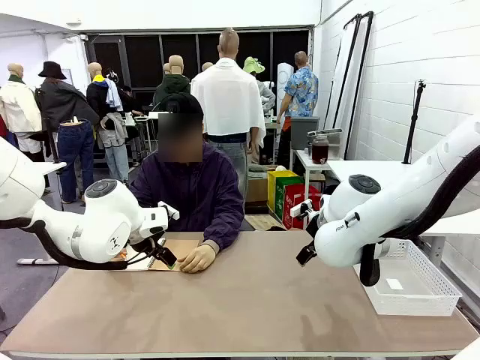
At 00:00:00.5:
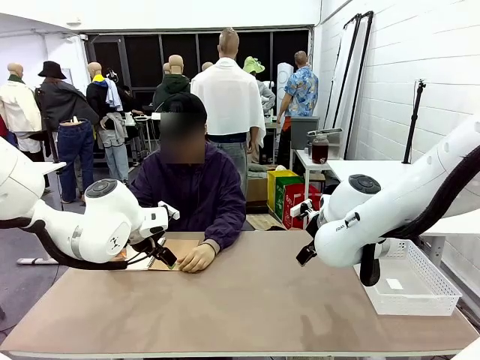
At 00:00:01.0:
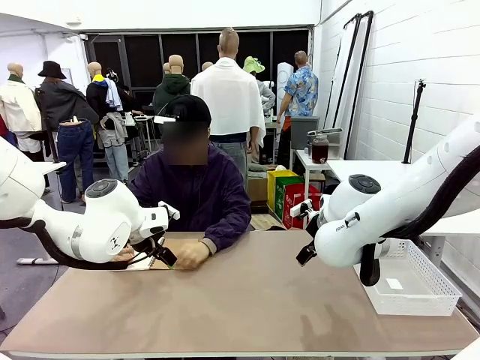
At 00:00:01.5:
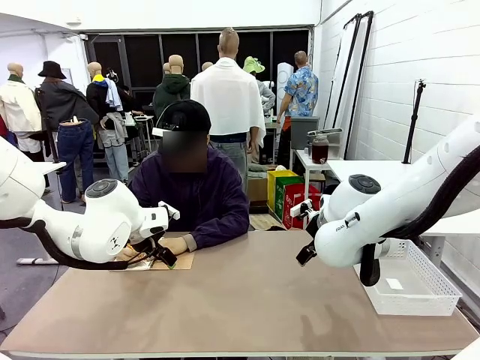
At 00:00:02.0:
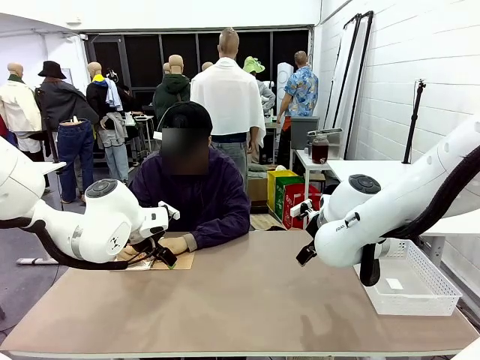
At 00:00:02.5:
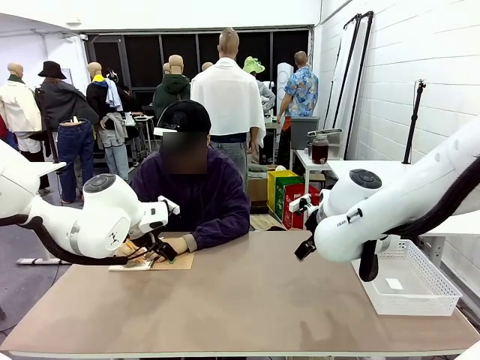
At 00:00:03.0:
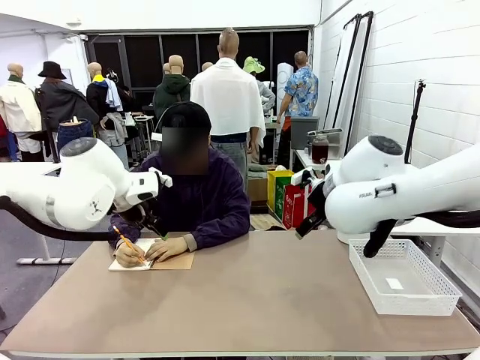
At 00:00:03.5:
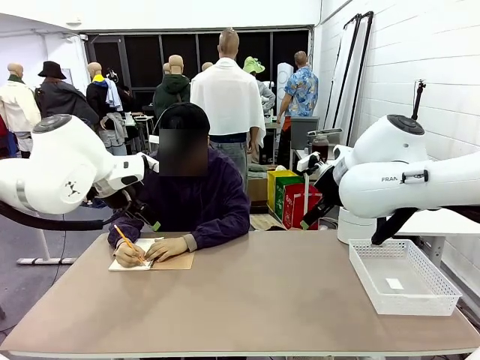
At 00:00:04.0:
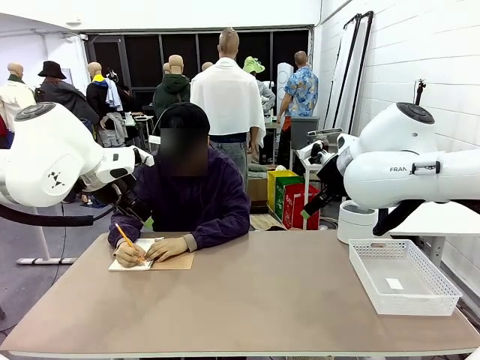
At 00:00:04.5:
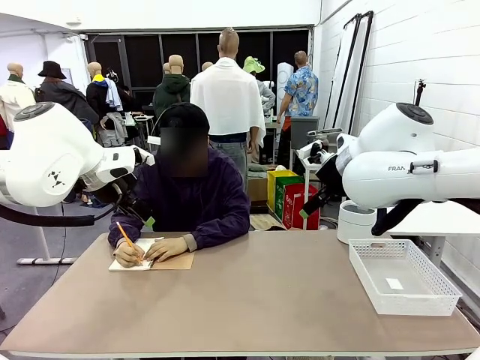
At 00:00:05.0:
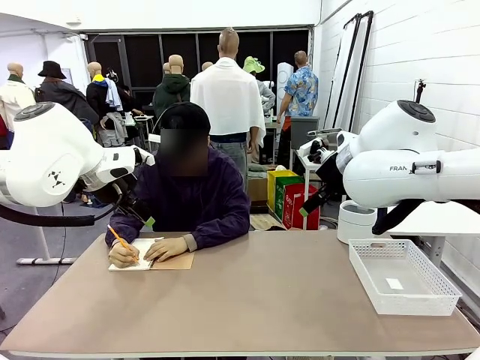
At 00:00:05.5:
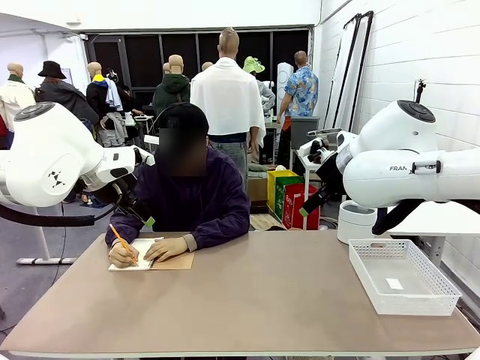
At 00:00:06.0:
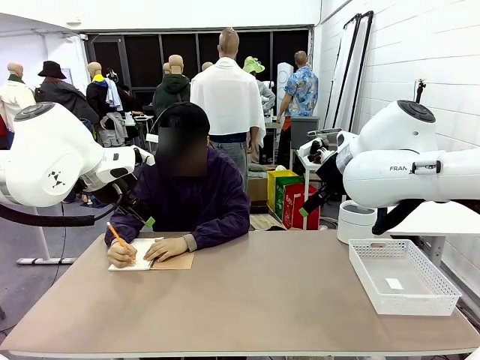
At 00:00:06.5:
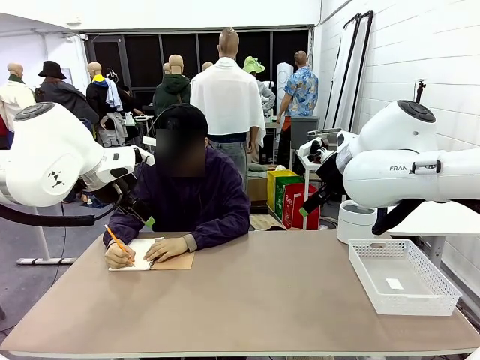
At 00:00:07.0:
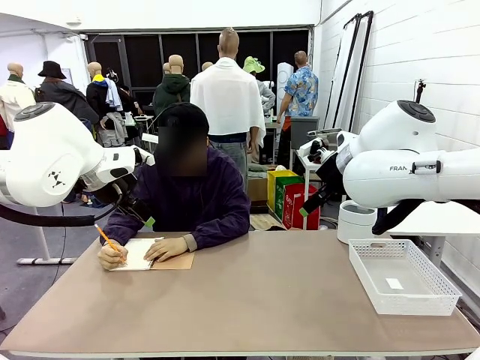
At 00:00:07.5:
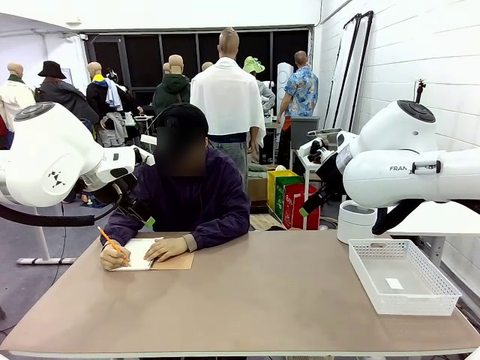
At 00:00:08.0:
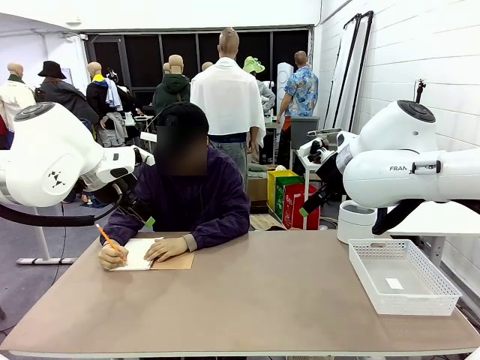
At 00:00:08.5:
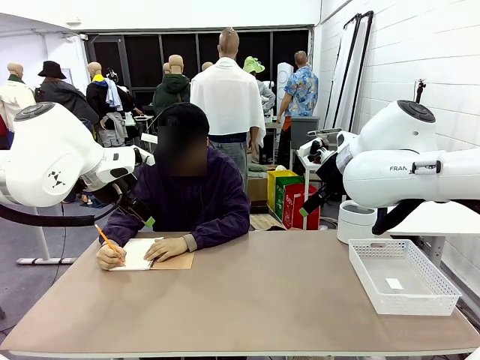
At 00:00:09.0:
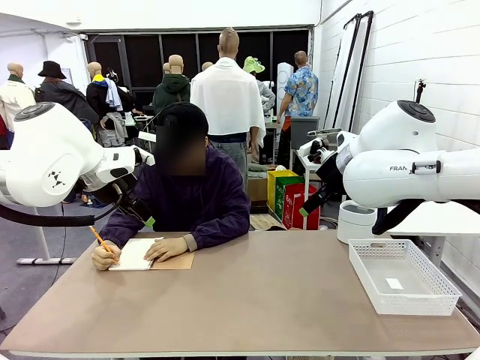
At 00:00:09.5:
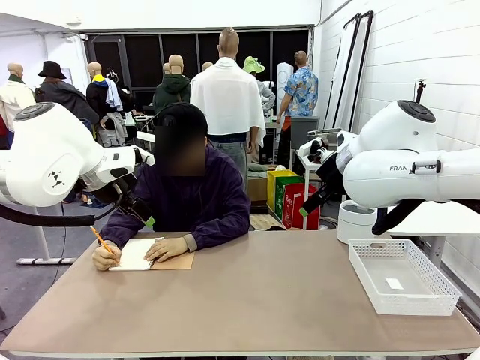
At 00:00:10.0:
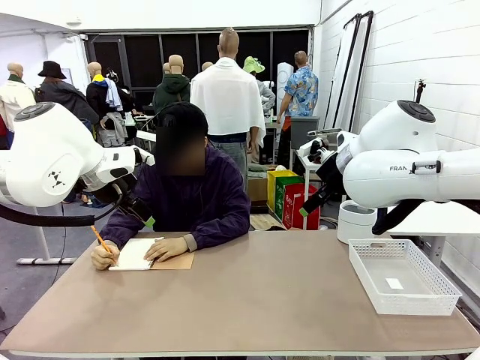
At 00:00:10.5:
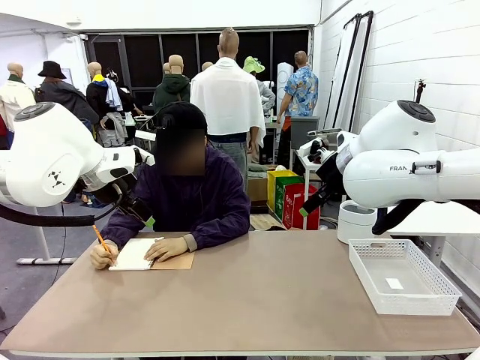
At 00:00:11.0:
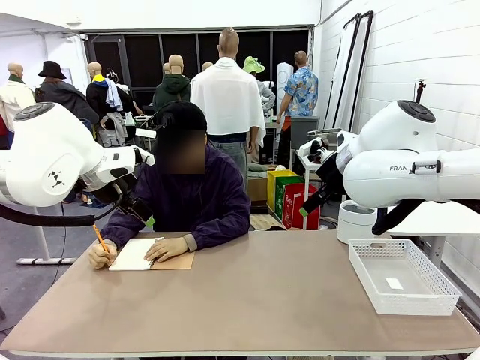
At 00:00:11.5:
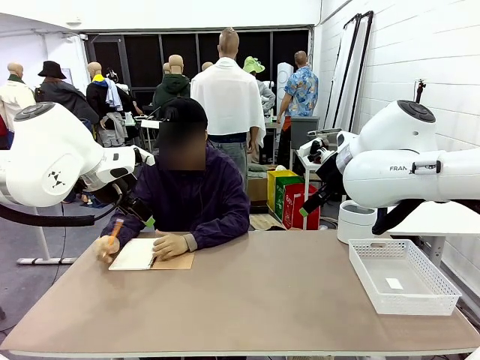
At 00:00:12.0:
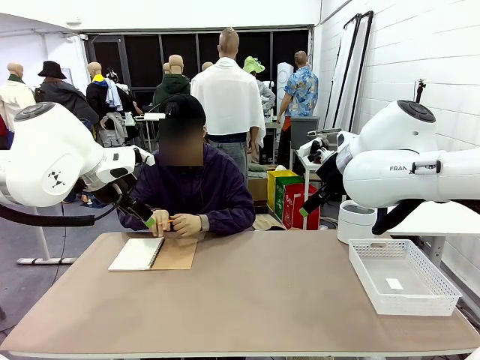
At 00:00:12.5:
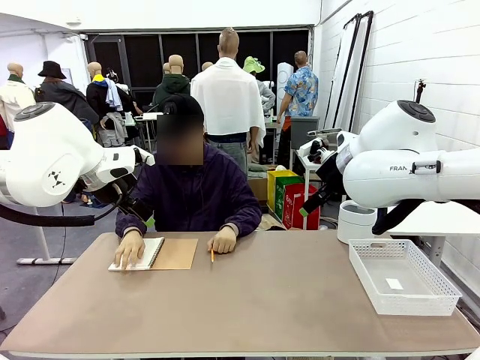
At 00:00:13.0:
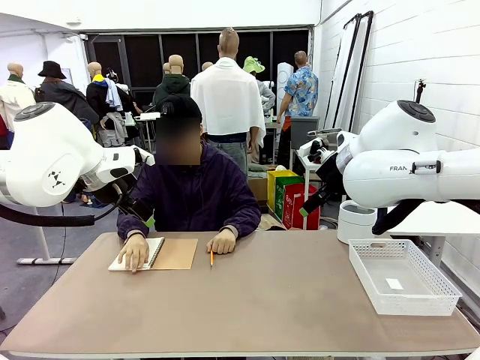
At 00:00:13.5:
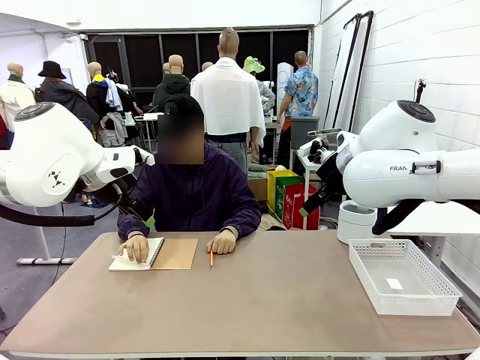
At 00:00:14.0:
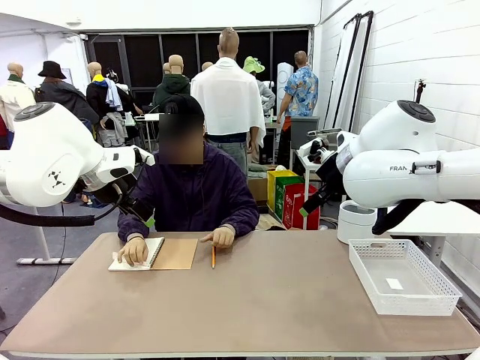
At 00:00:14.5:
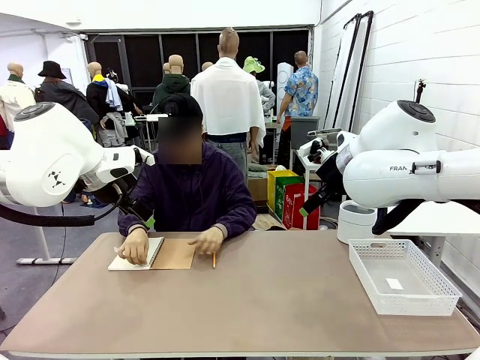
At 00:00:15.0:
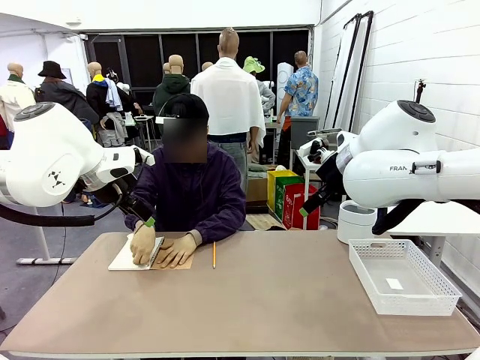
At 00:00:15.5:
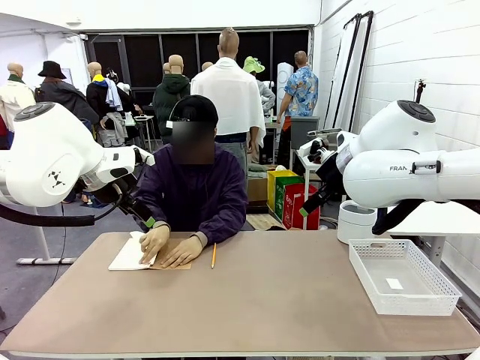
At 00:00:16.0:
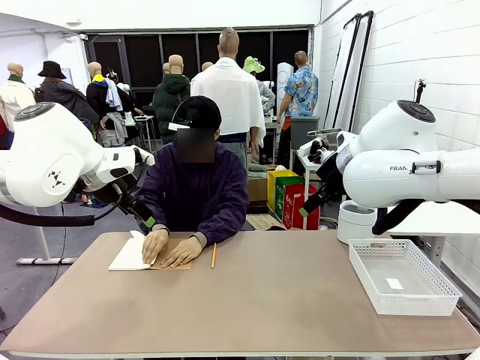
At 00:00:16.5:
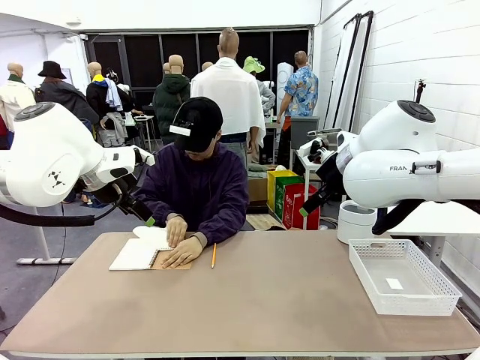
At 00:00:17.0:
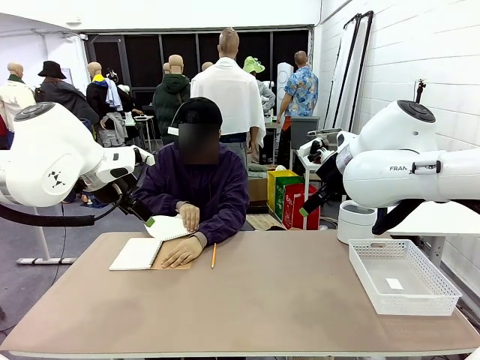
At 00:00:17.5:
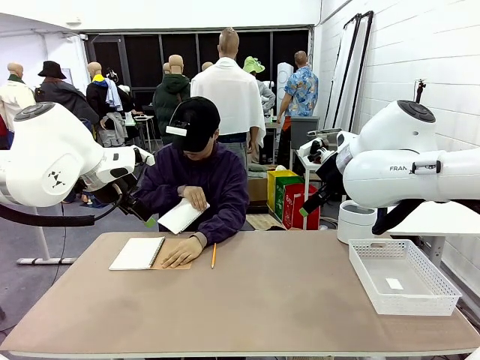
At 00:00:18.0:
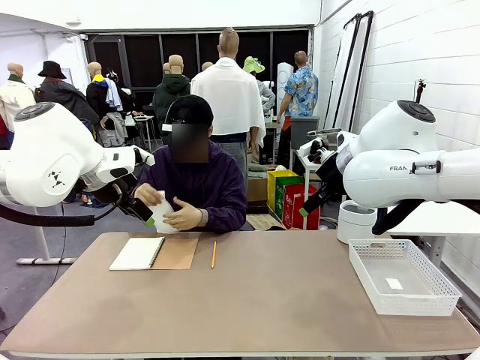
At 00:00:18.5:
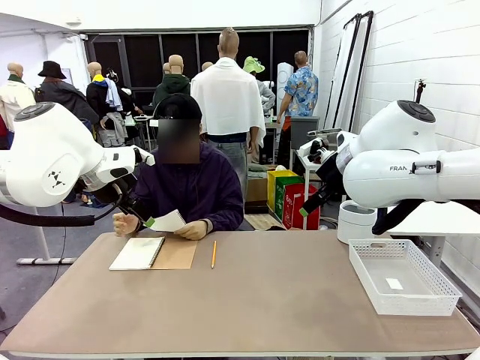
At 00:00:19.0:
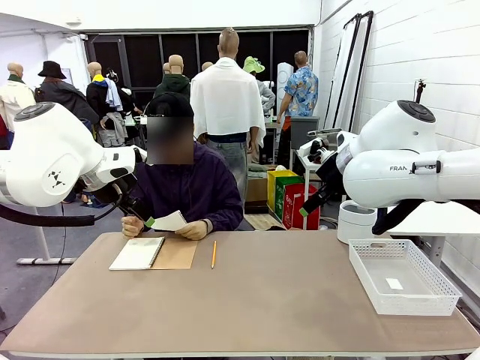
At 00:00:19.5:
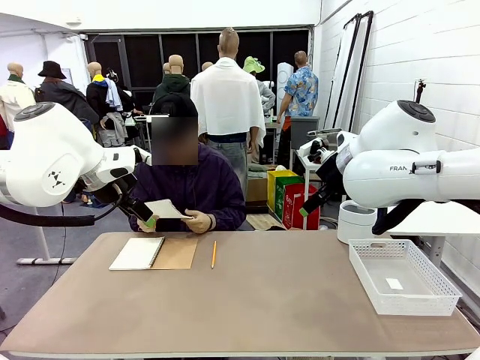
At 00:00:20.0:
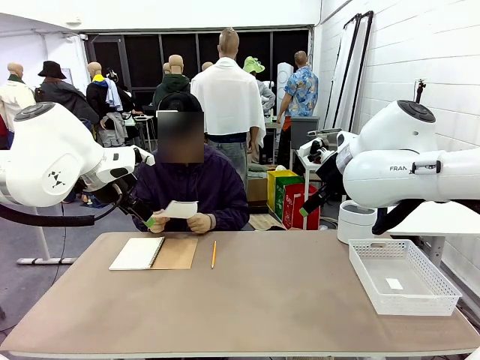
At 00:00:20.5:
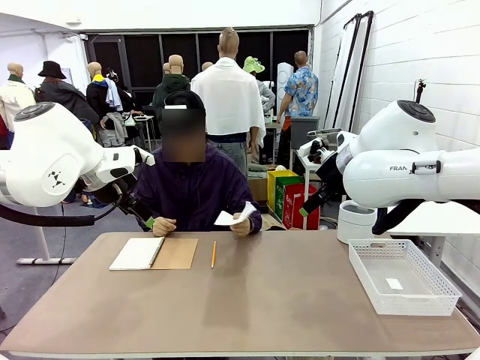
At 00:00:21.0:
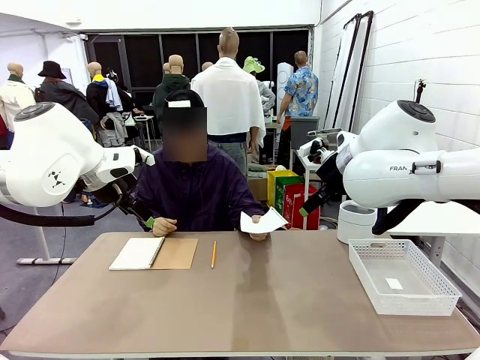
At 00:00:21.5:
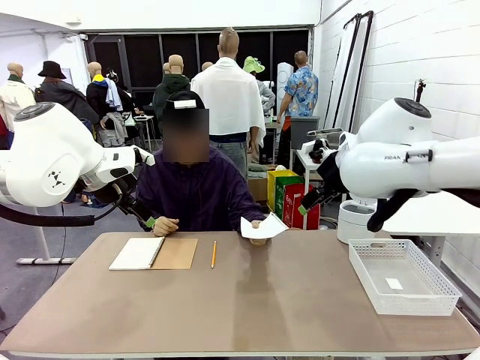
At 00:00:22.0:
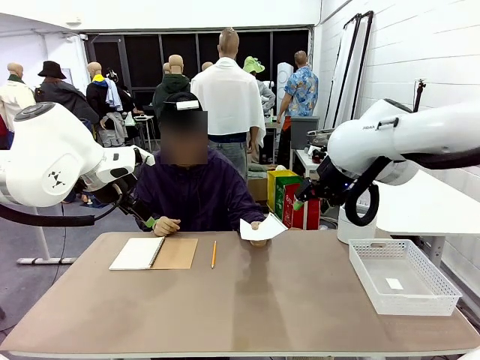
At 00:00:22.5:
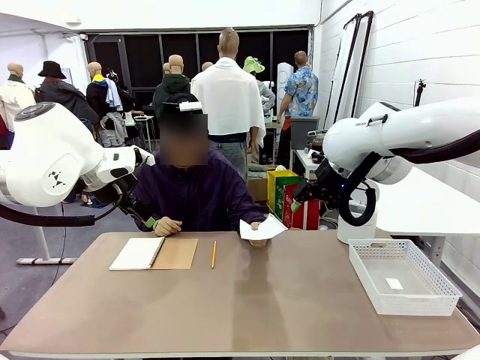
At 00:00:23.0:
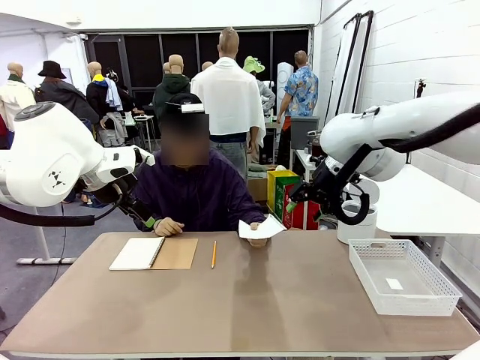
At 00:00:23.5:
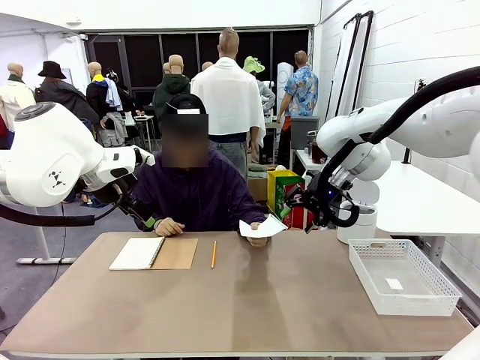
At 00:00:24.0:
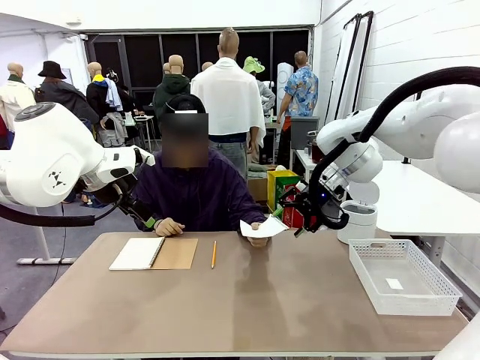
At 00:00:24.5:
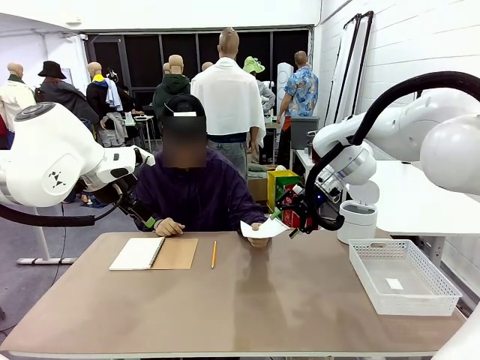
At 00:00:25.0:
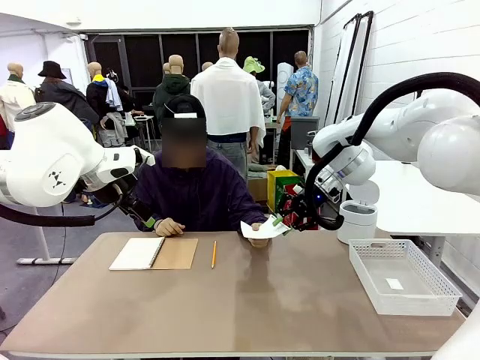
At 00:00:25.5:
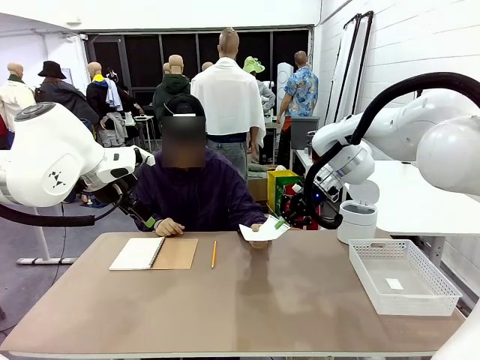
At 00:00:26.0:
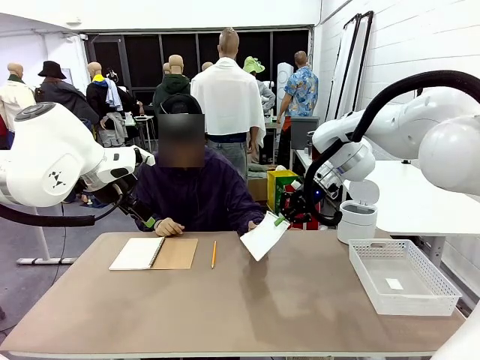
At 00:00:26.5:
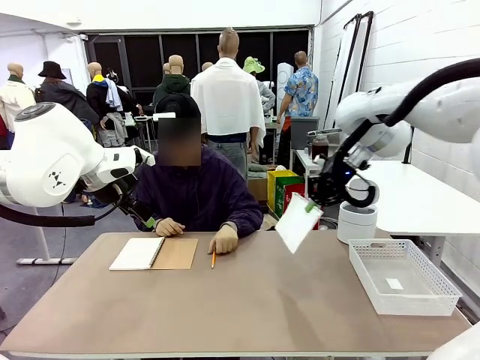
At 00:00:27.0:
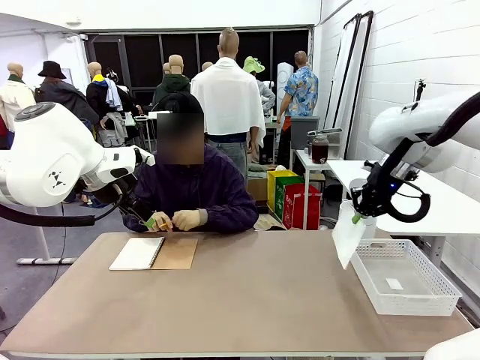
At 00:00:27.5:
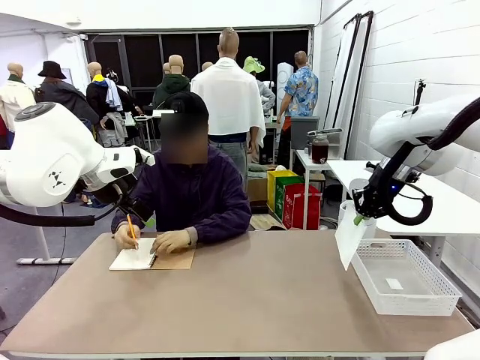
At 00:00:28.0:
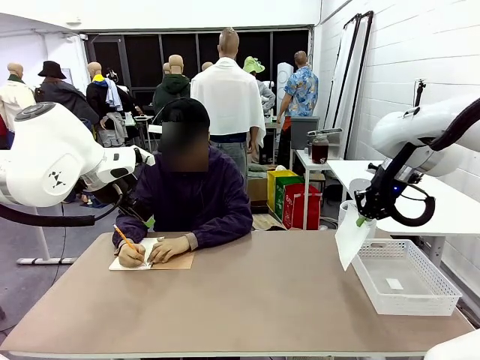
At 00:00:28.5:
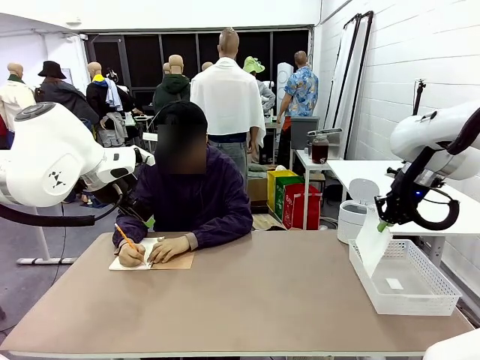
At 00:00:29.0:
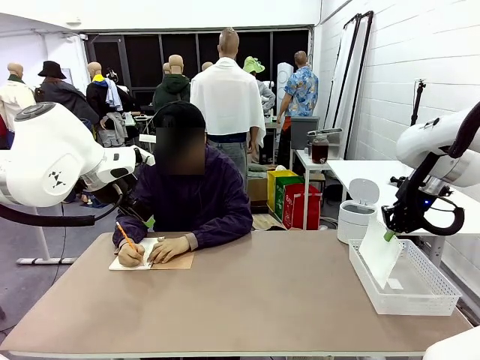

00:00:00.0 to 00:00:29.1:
Task: Sort the paper based on its condition.
Robot: If a person hands you a paper, place it in the Organizing basket , and if it's crumpled, put it in the Trash can.
Person: Tear out a page from the spiral notebook. Hand the torn page to the robot or crumple it and throw it to the center of the table.
